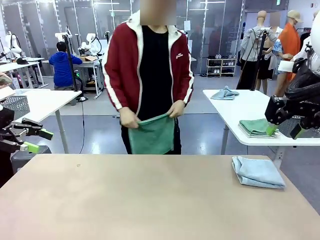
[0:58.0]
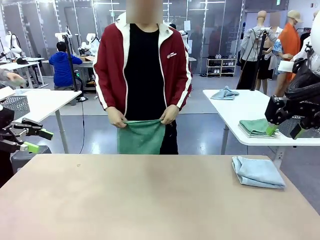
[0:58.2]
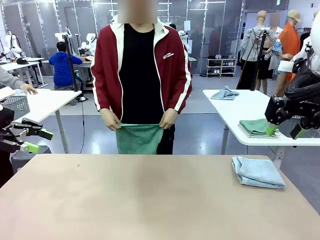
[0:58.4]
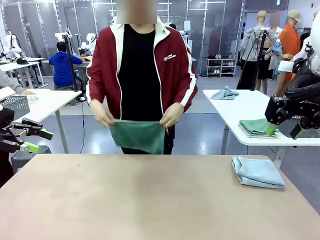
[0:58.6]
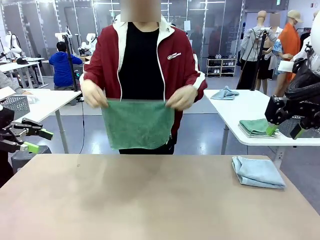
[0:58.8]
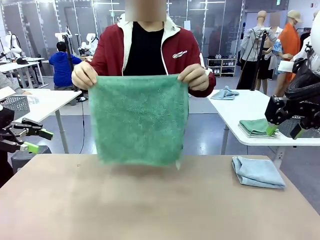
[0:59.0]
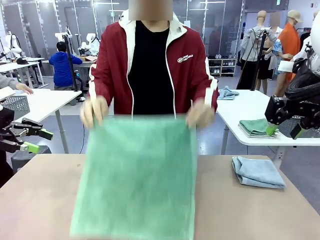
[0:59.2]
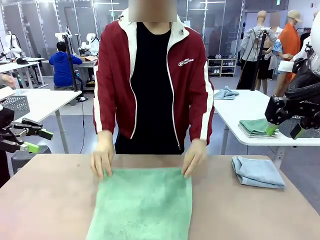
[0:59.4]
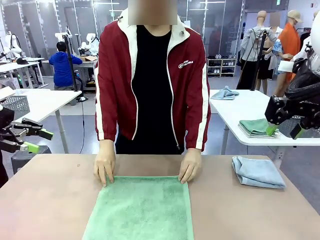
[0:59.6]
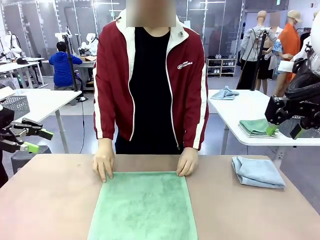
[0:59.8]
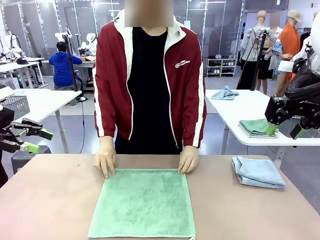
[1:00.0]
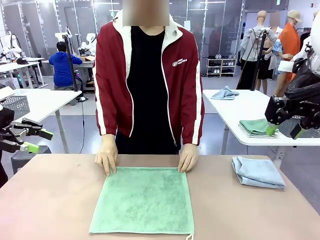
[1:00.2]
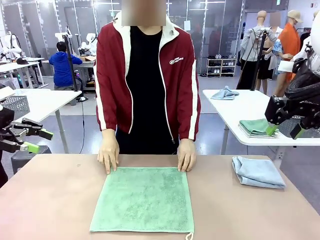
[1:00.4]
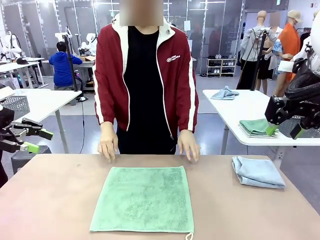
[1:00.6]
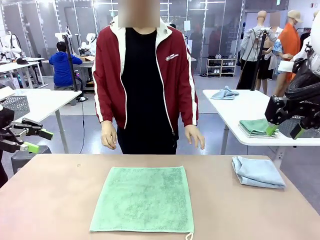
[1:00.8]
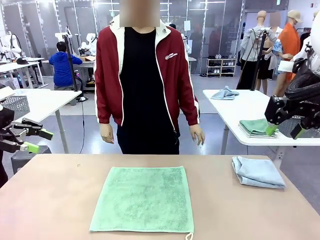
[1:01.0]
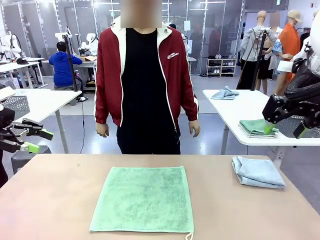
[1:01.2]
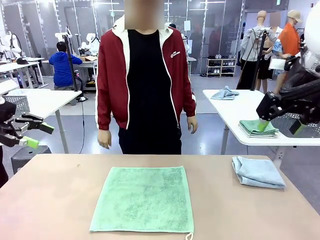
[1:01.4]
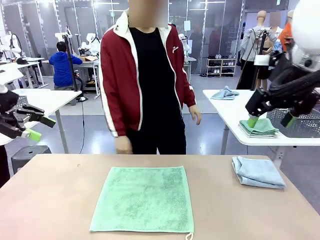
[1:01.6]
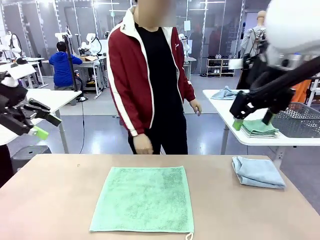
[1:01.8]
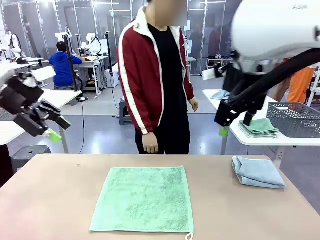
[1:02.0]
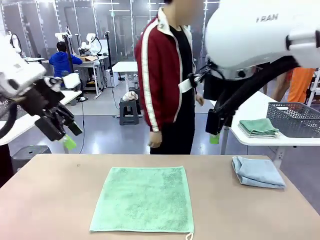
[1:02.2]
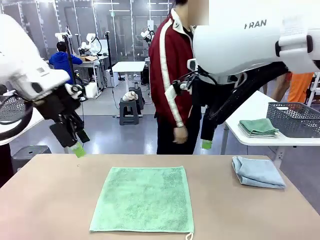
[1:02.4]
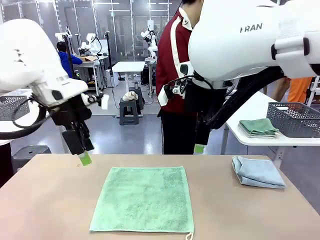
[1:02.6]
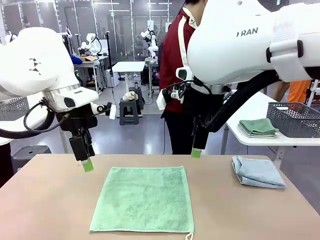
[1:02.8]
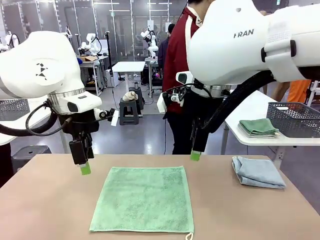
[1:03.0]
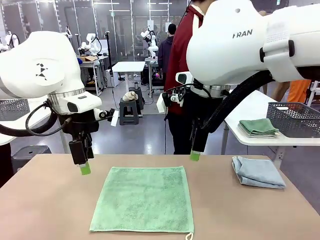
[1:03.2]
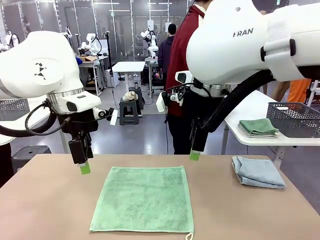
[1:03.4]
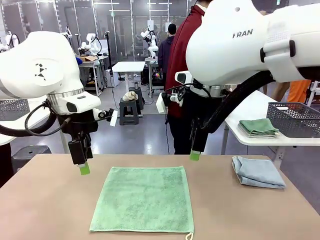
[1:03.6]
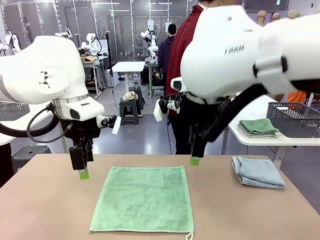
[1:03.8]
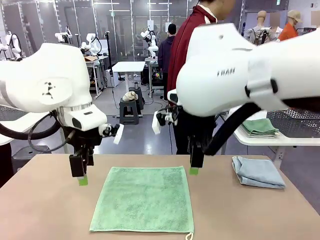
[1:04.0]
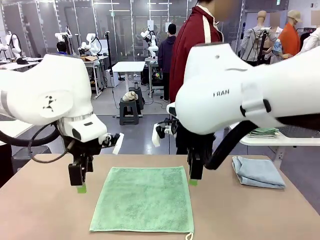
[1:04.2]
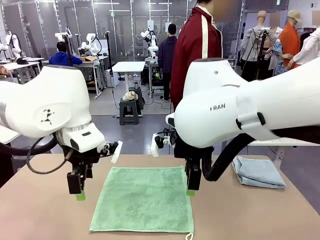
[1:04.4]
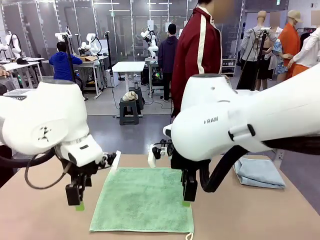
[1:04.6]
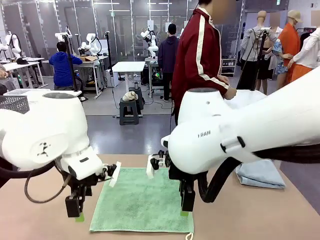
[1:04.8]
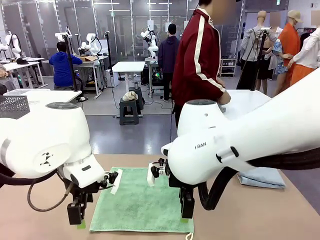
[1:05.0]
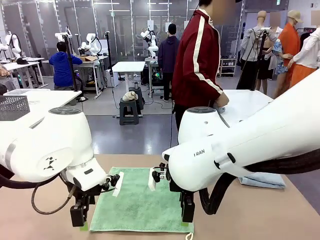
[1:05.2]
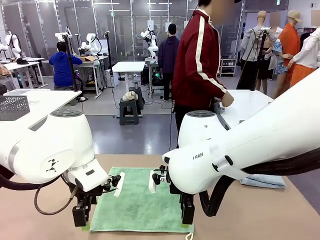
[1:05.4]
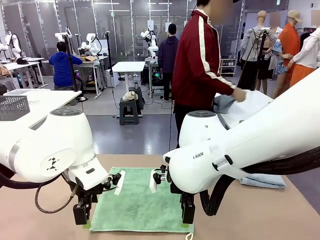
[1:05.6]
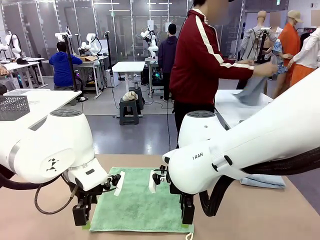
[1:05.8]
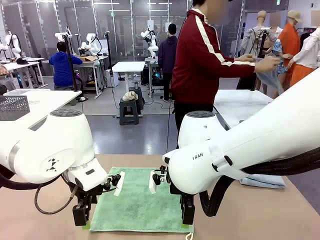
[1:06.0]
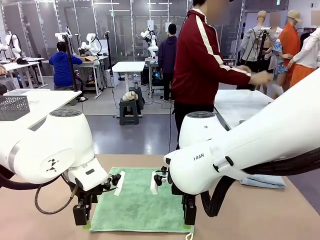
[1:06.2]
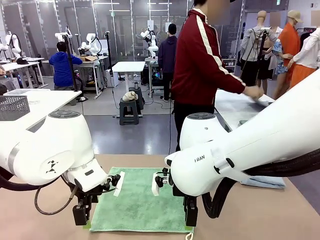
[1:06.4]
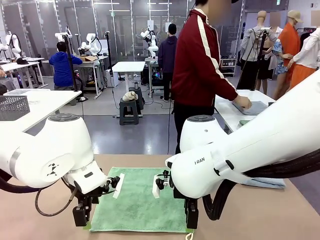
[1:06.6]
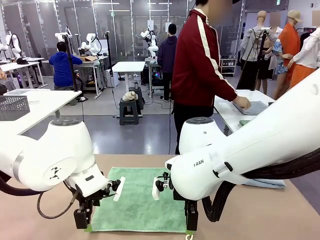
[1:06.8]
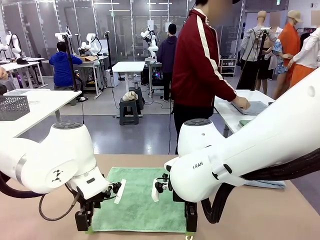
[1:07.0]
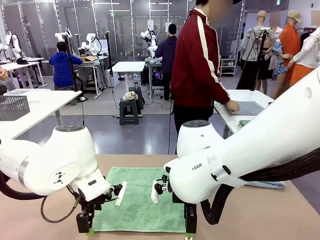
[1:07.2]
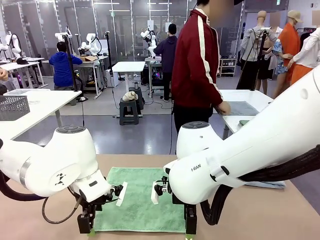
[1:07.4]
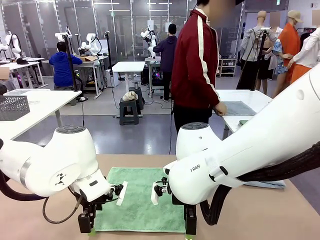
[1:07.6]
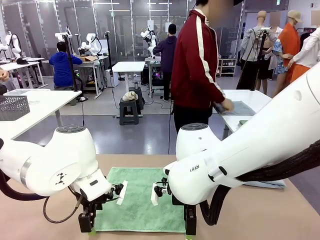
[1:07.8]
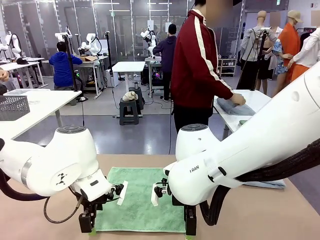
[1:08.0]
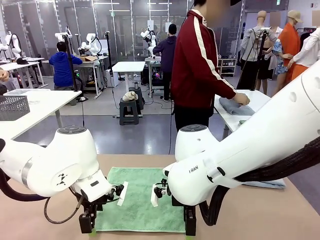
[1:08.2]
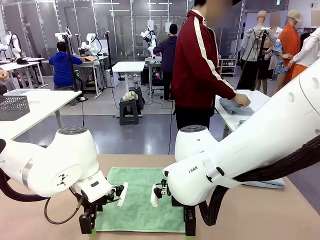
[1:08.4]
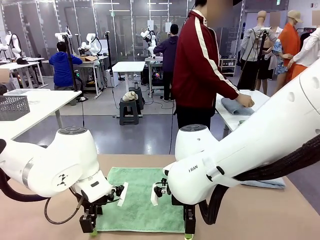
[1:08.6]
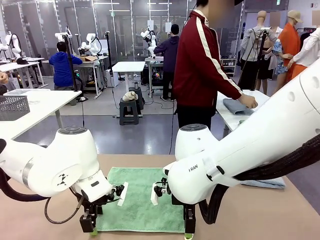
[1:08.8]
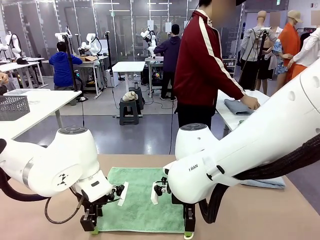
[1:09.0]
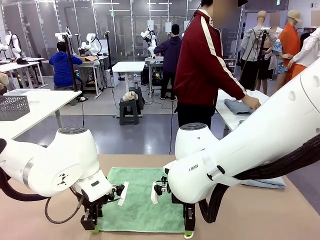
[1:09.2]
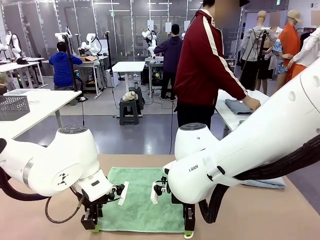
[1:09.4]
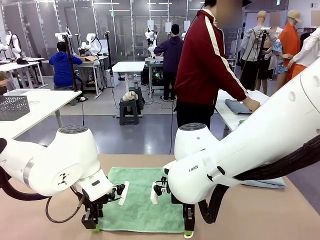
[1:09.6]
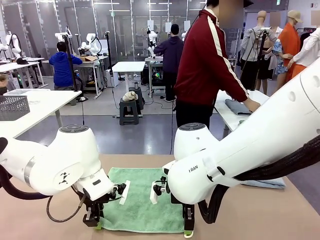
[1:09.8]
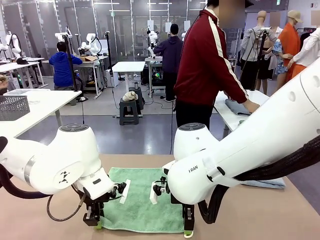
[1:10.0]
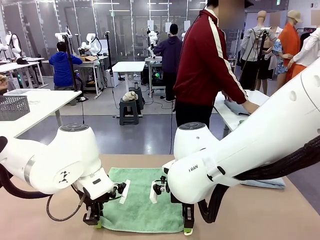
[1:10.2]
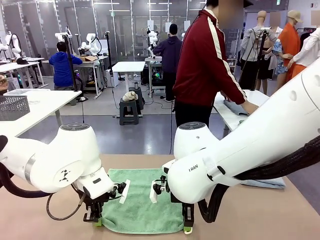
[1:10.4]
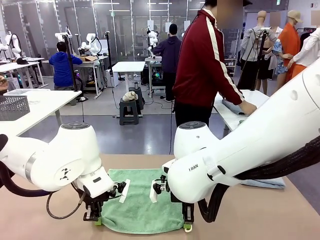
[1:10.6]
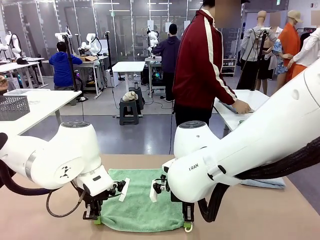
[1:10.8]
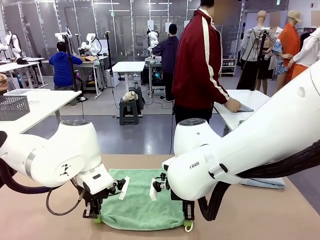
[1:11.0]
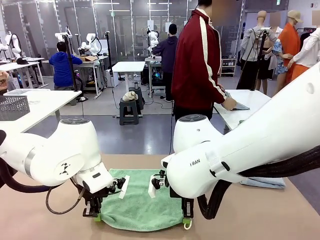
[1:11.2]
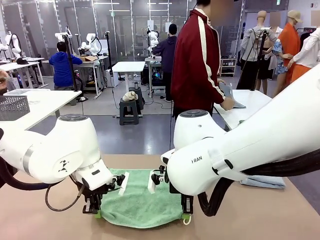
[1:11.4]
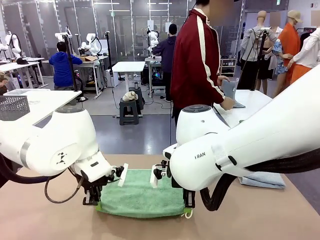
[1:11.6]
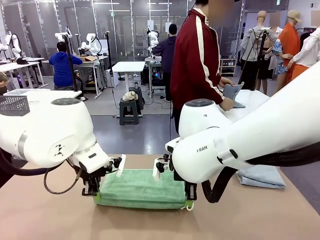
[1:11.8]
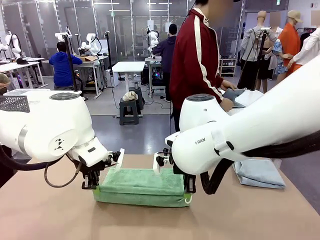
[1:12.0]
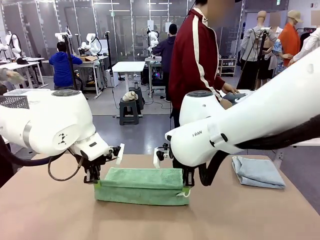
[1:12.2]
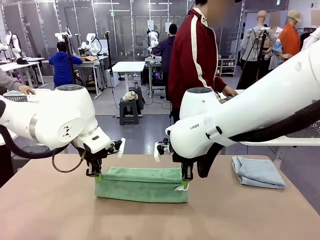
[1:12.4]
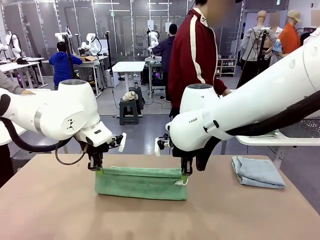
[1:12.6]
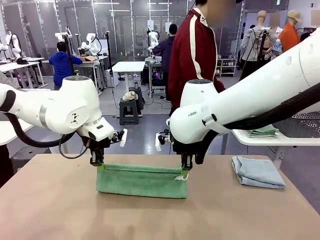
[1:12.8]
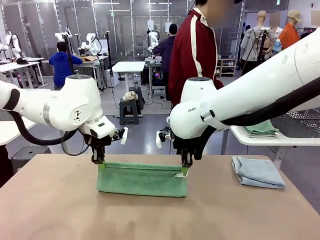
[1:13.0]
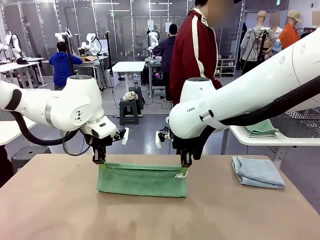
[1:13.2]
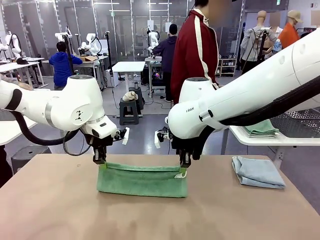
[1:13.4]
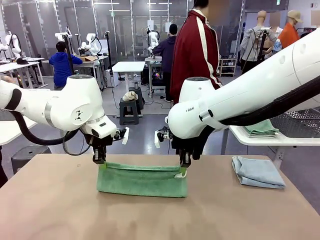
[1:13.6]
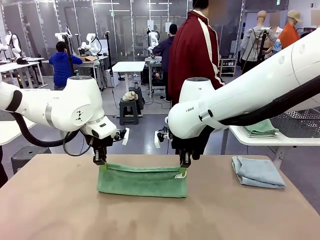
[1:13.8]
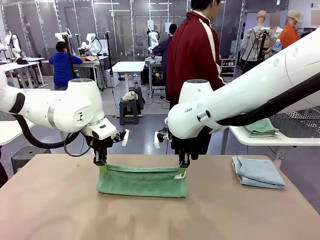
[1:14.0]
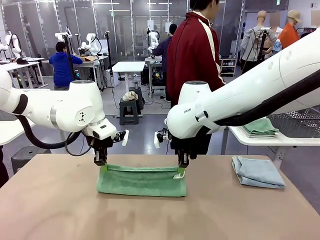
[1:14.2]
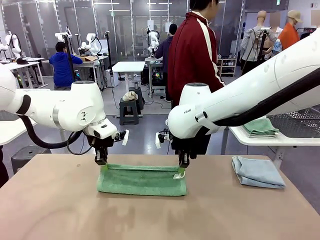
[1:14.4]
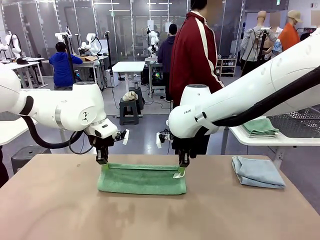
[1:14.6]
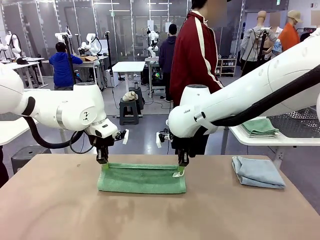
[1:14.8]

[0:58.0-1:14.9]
Task: Fold the towels and place them in the basket.
Robot: When a person lays out a Towel with hook on the table, fold it in half twice.
Person: Pick up one towel from the left side of the human table, fold it in half twice, and stack it on the right side of the table.
